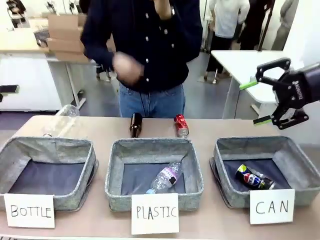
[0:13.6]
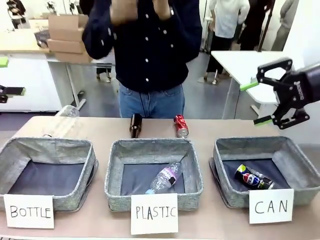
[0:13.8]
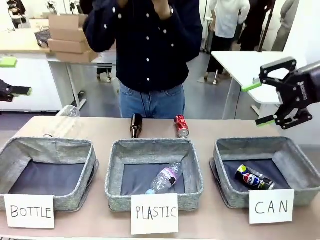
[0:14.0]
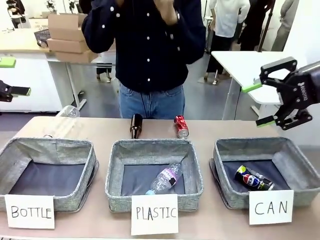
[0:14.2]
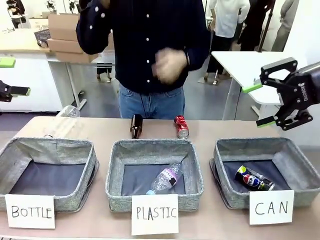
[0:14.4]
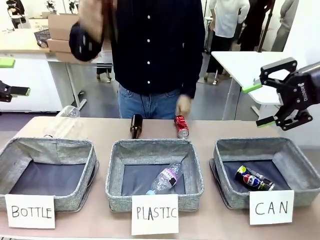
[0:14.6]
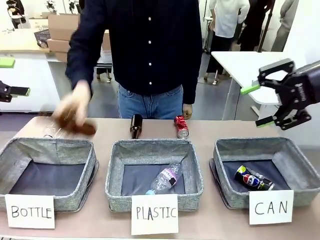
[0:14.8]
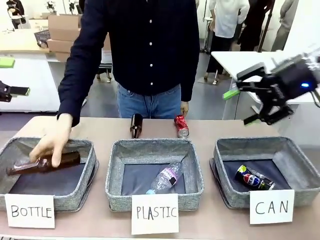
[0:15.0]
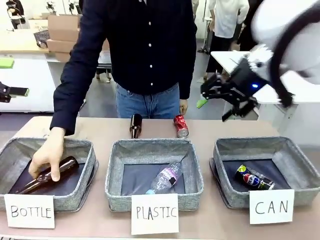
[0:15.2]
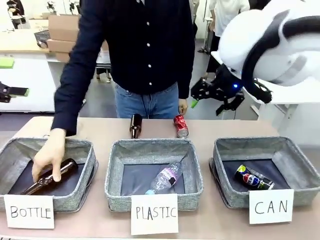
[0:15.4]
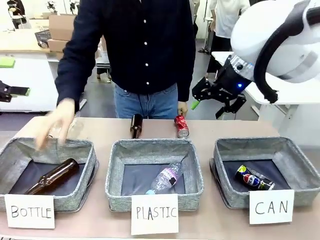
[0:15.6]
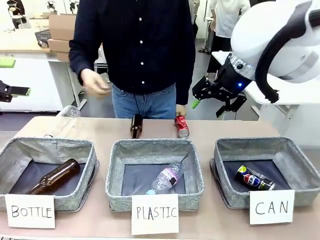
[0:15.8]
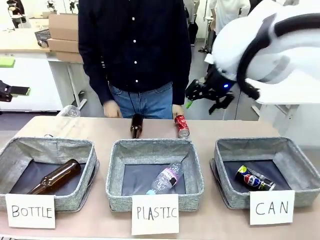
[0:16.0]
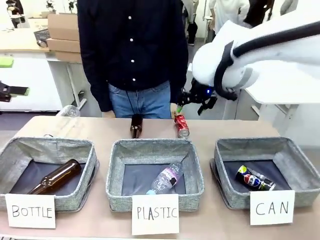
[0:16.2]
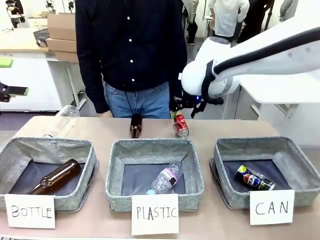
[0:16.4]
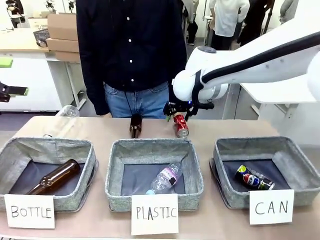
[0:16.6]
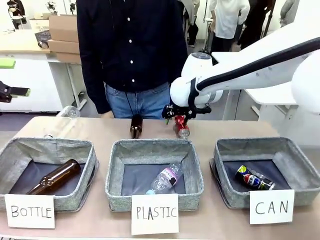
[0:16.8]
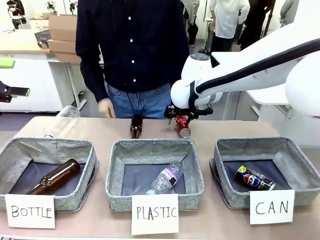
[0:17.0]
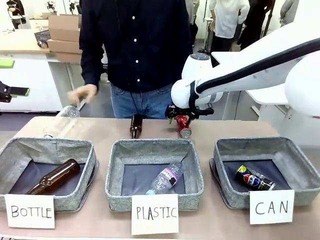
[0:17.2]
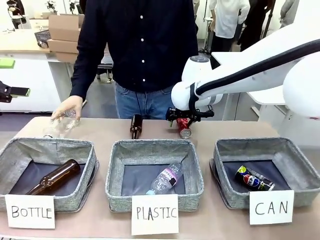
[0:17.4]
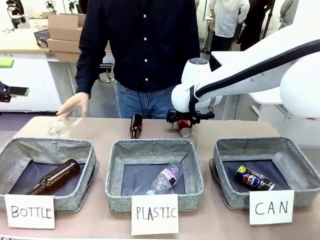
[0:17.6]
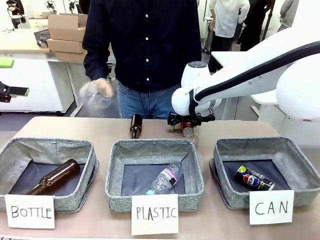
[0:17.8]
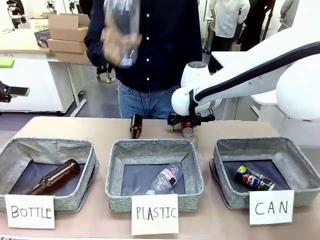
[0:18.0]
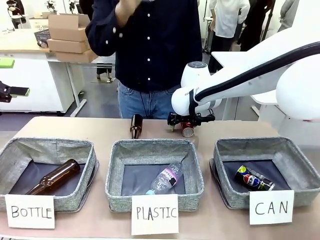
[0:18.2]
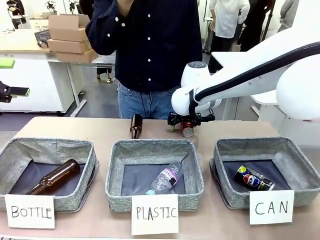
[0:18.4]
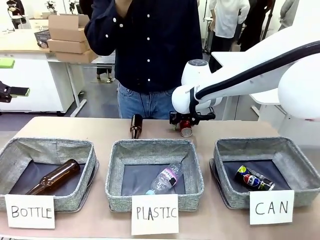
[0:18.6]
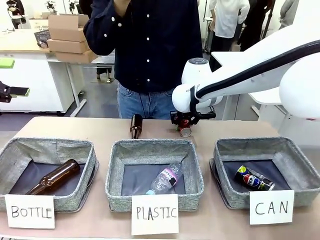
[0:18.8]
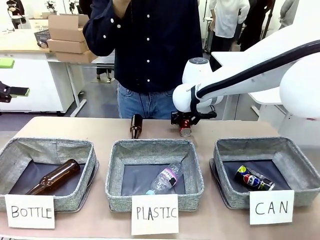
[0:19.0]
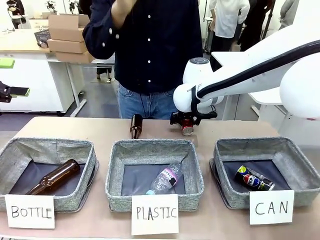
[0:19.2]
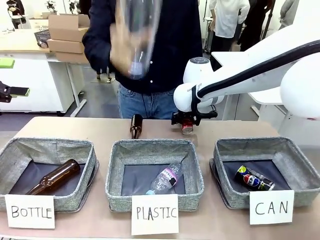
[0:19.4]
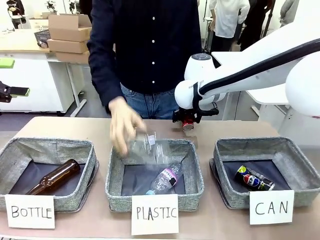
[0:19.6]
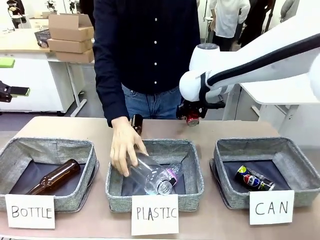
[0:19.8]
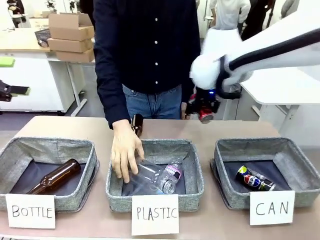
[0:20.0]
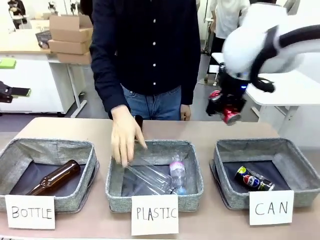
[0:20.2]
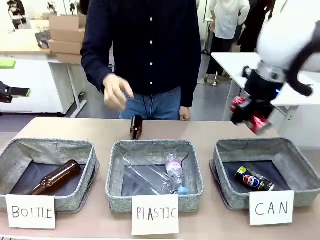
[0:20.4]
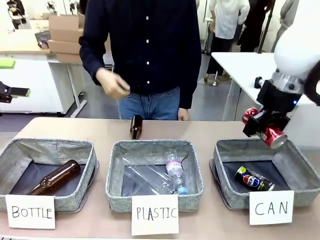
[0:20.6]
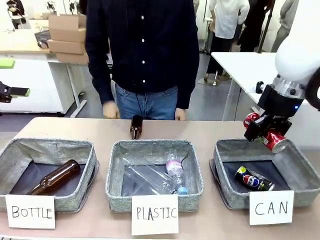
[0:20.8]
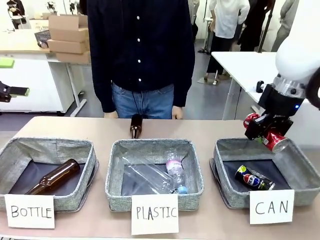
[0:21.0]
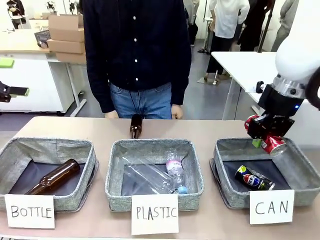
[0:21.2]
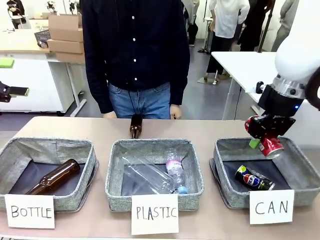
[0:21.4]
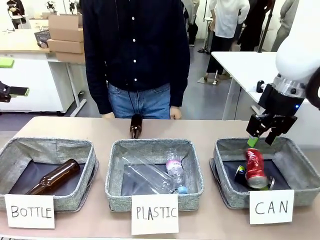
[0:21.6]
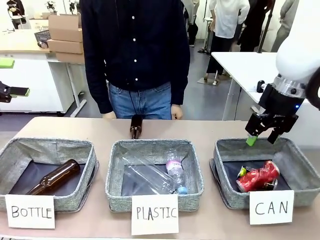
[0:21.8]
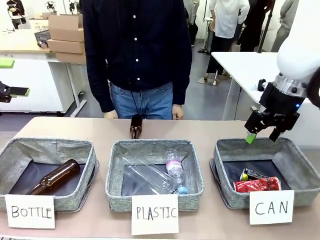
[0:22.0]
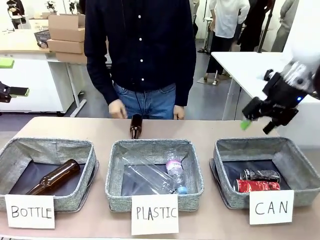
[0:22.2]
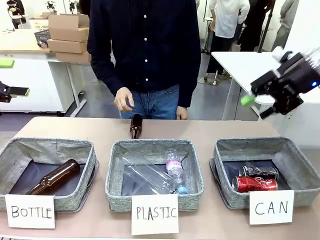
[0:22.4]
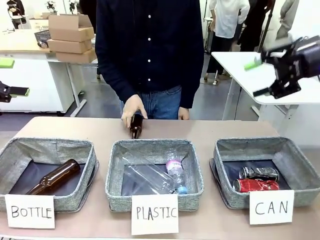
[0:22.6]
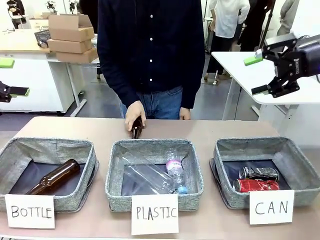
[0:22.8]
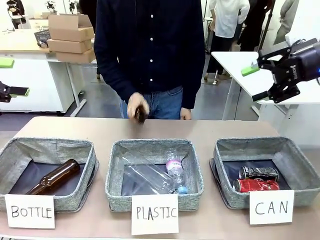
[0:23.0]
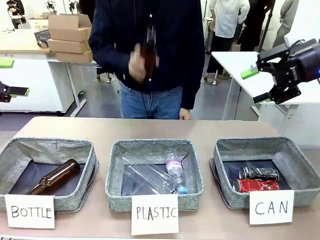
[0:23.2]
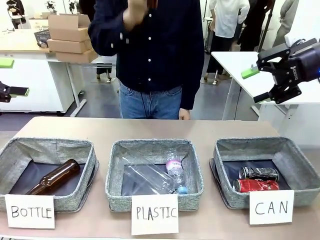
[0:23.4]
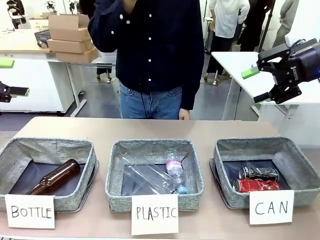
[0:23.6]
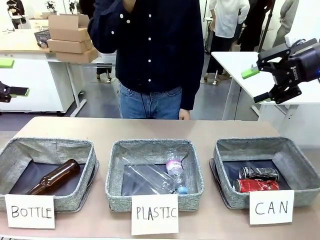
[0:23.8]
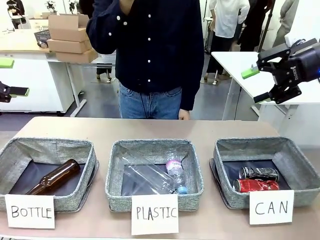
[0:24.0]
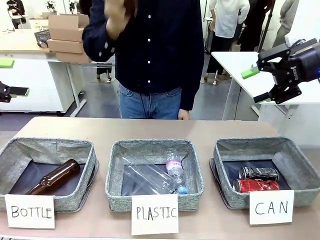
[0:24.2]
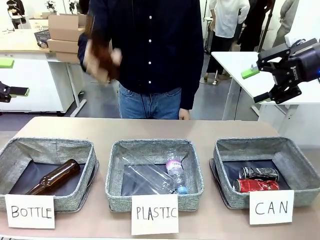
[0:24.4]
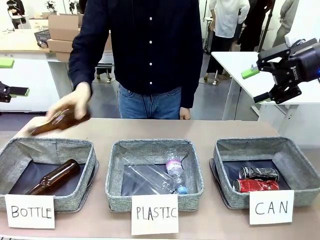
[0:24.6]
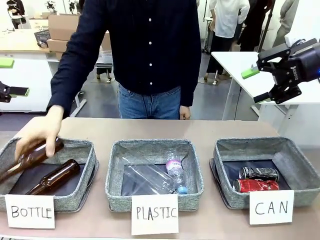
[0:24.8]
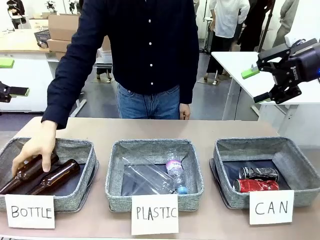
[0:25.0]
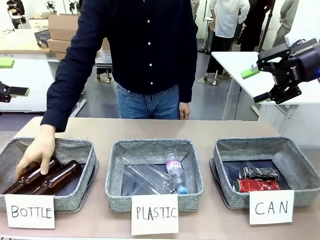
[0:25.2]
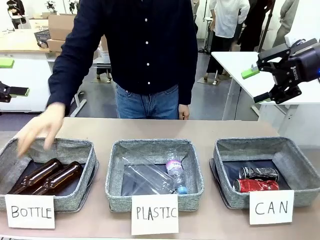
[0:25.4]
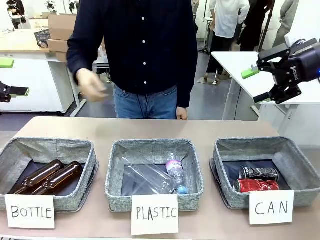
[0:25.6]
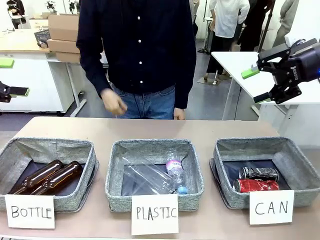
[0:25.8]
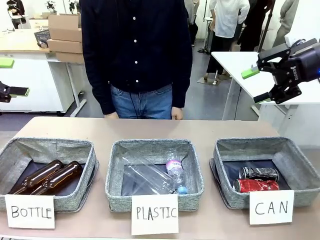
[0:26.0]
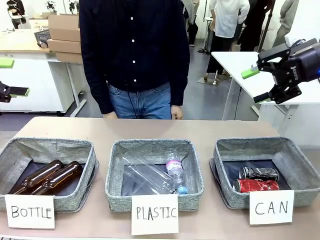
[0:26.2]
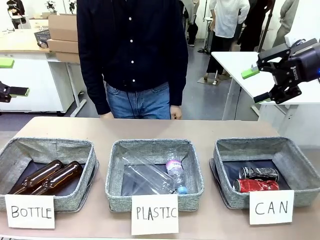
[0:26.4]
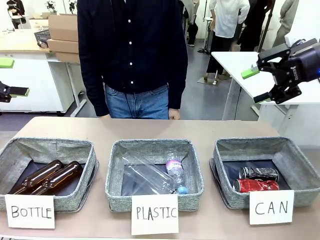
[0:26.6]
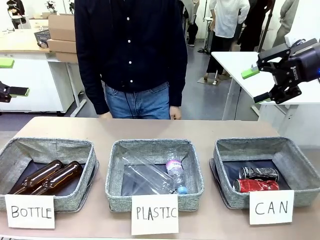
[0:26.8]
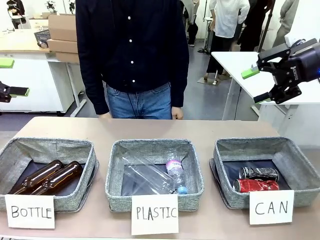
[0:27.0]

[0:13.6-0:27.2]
Task: Sort the can waste into the basket.
Robot: Pick up the can waste from the table and place it in the right Fabric basket.

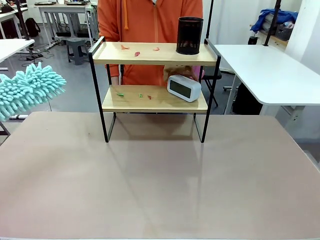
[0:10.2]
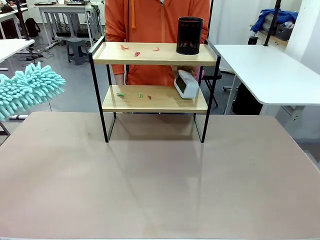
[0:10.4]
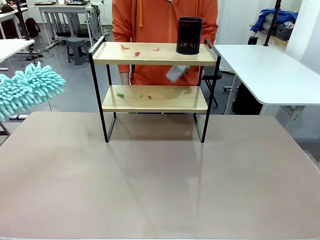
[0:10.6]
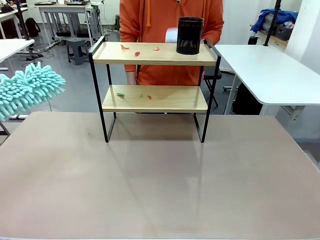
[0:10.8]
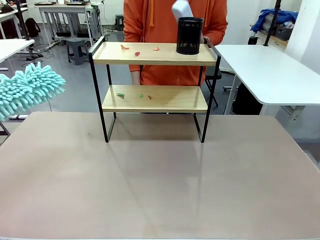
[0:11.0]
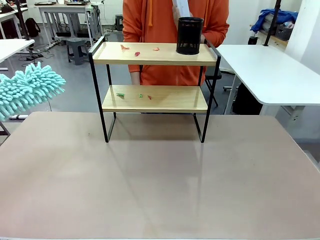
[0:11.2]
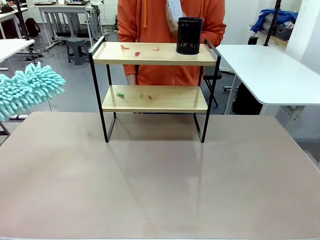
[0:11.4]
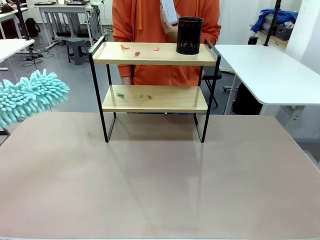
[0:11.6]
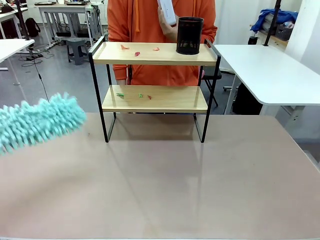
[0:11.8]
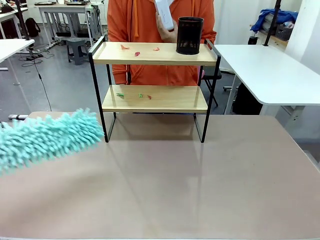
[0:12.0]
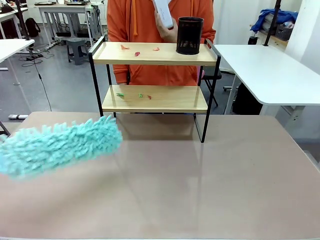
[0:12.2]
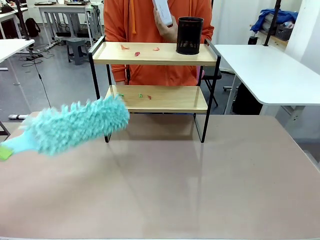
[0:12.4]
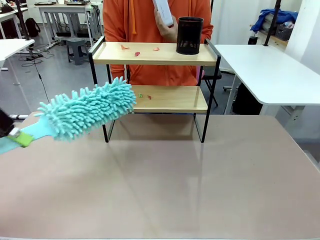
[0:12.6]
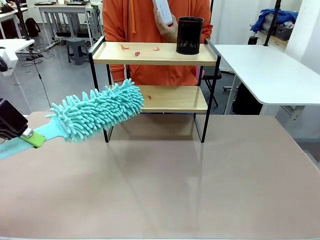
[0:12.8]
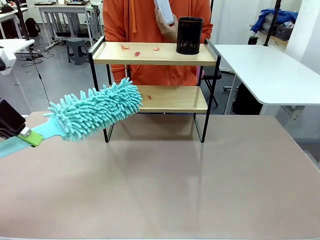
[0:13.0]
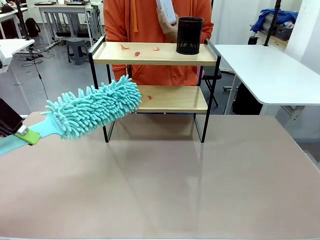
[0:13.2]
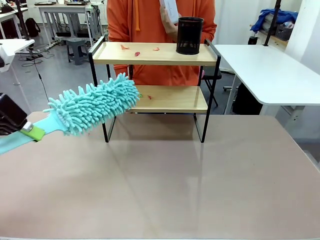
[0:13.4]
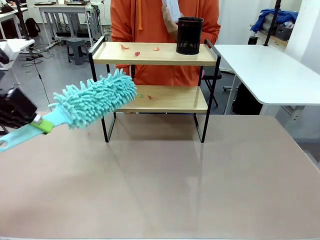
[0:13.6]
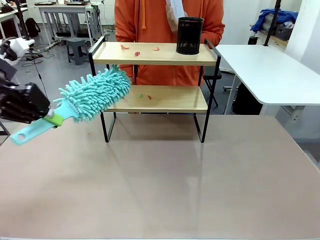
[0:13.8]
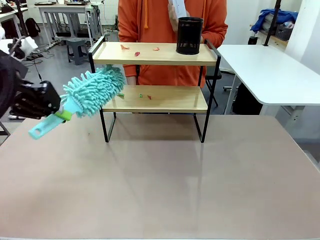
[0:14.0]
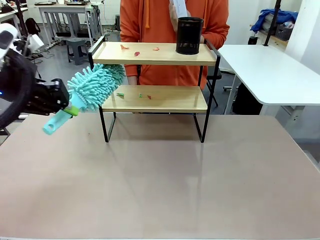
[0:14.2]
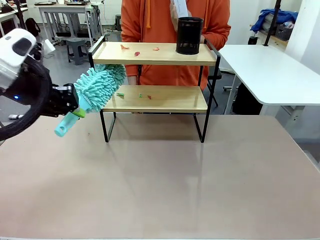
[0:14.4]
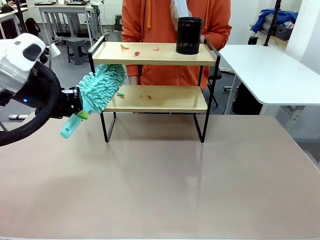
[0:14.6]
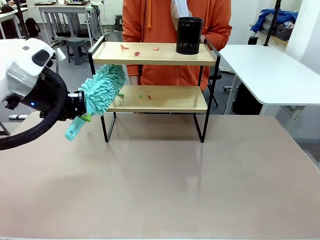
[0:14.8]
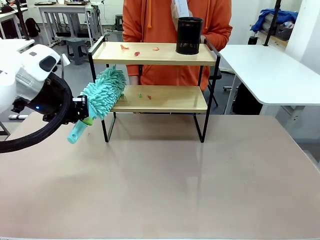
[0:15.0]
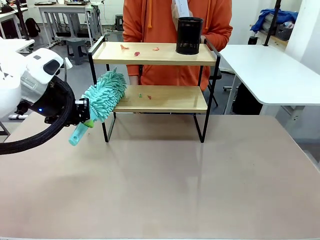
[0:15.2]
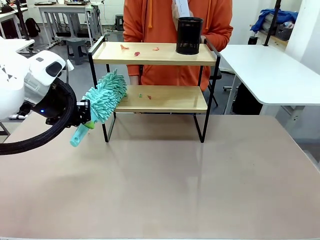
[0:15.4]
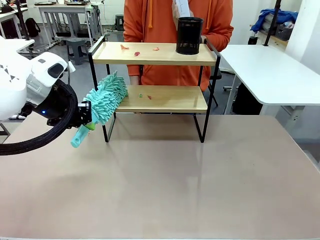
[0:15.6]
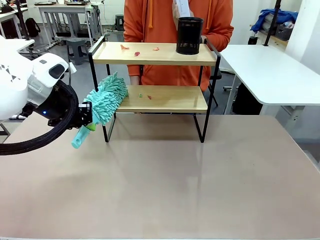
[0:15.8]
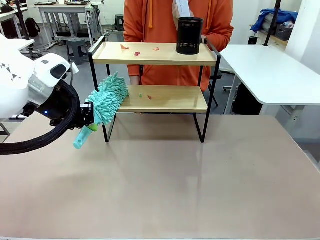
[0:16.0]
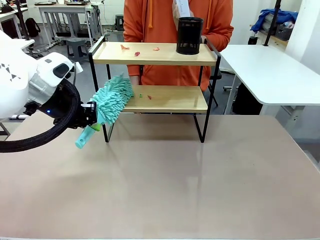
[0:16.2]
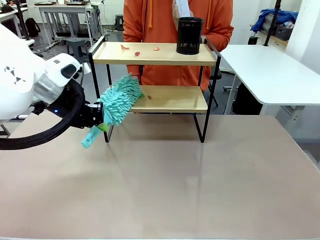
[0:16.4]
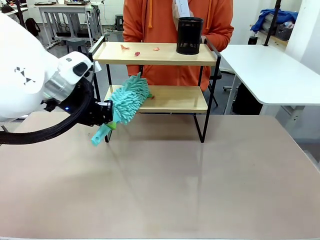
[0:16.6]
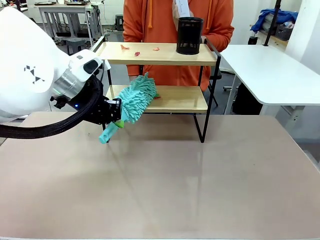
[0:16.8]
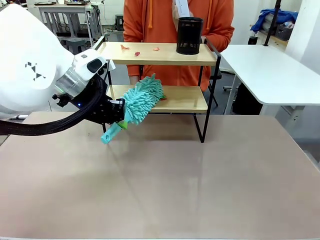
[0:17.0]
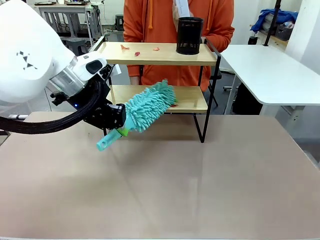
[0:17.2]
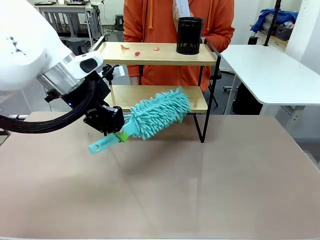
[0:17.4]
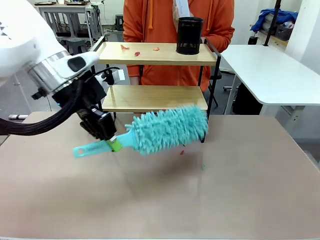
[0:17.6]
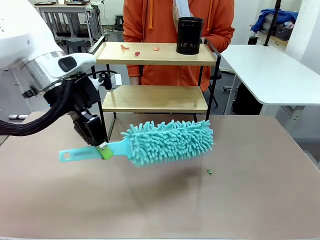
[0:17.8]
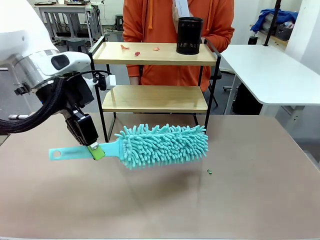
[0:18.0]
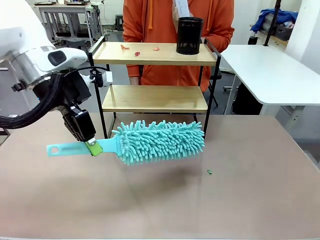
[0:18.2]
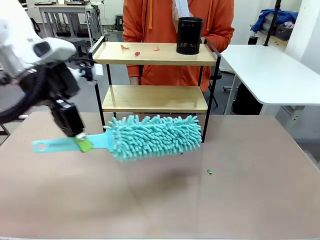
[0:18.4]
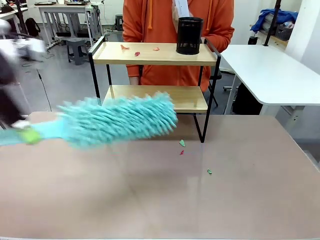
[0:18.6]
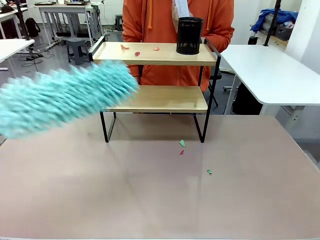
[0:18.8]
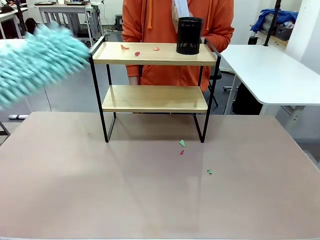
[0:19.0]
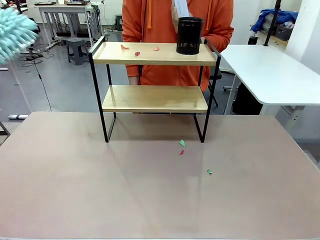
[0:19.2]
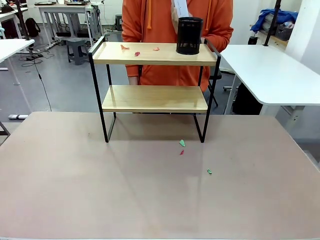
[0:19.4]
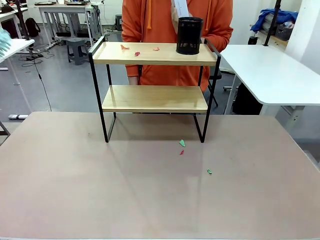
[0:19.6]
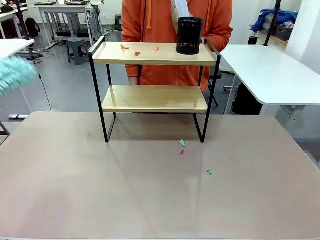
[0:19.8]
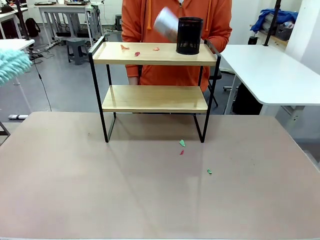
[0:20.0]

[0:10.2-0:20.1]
Task: Clean the shelf.
Robot: Clean the specific tier of the Shelf with the Duster once objects are removed.
Person: Lift the objects on a randomly selected tier of the Shelf. Once the robot finishes cleaning, lift the objects on the remaining tiers of the Shelf.
